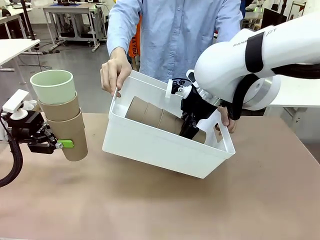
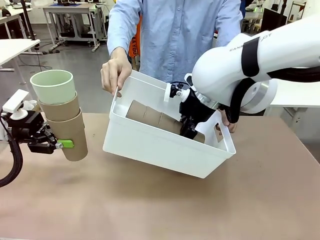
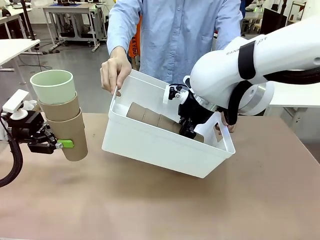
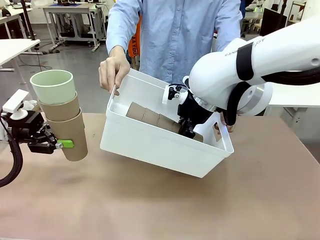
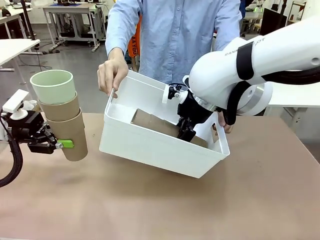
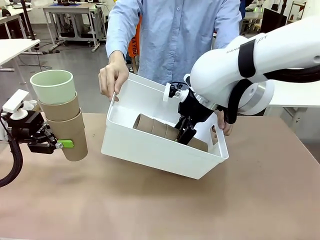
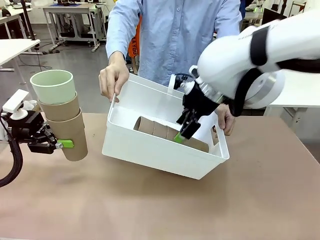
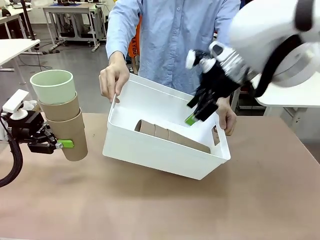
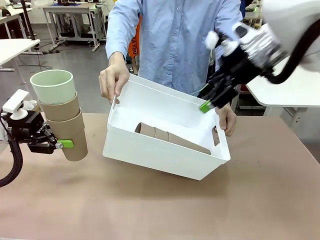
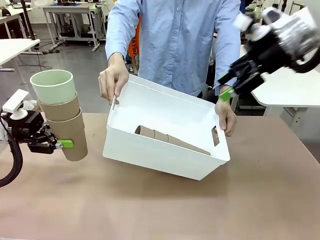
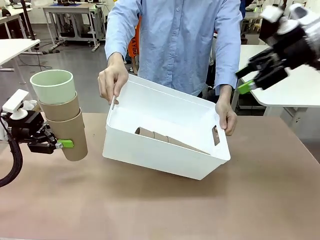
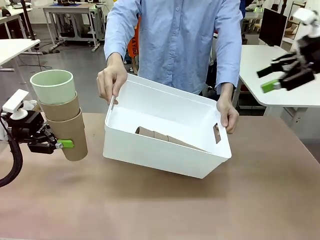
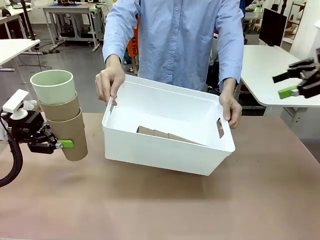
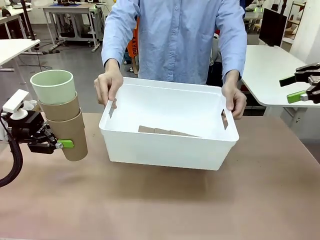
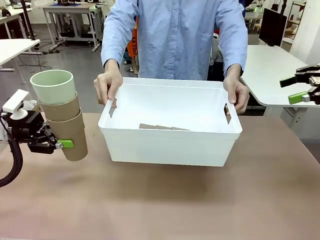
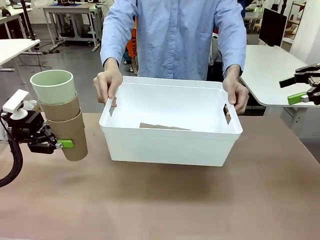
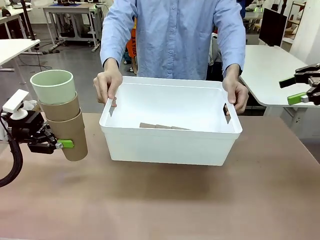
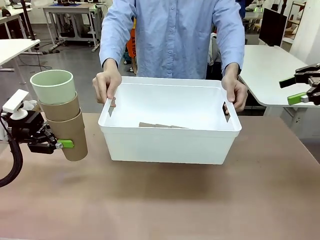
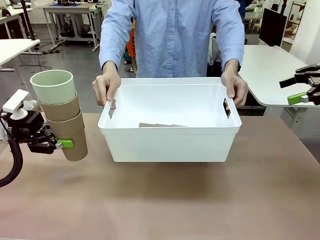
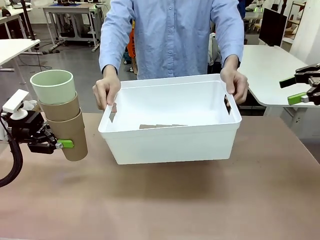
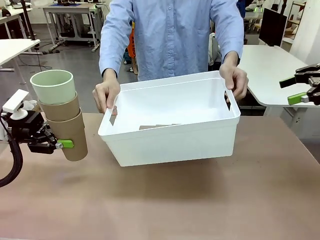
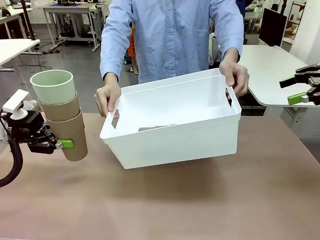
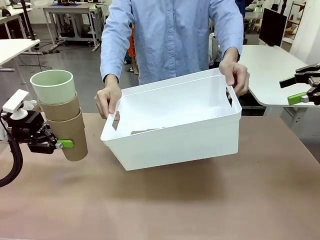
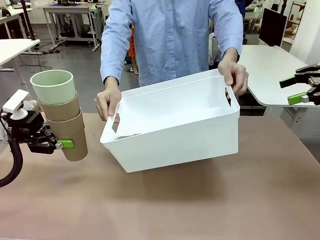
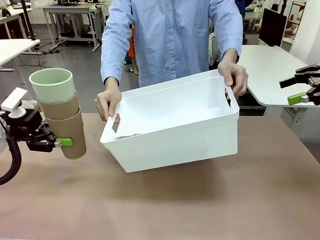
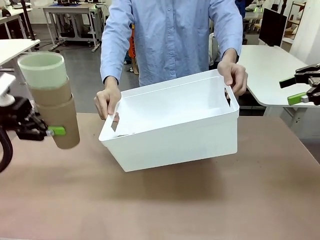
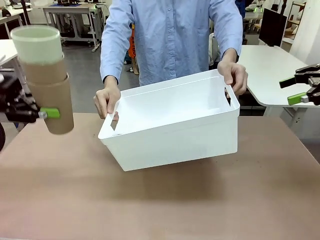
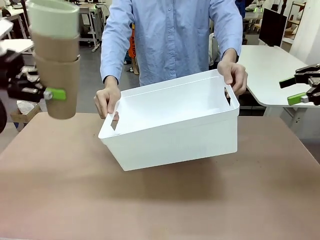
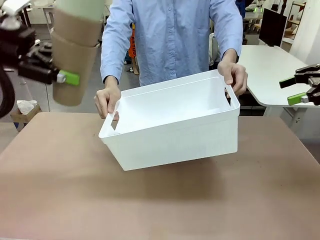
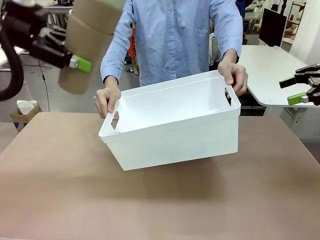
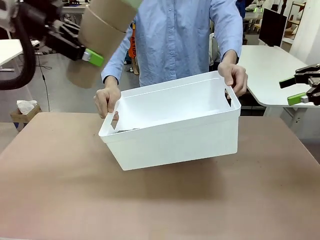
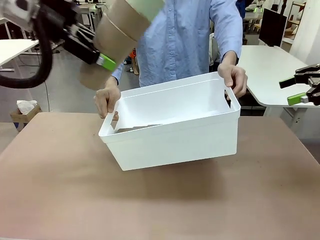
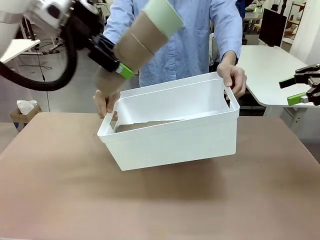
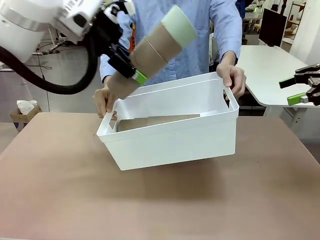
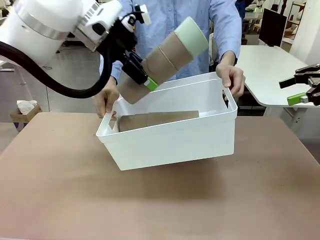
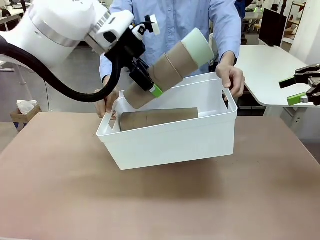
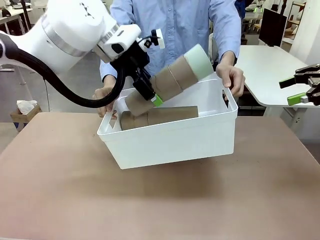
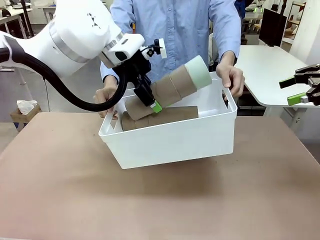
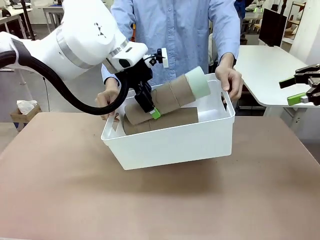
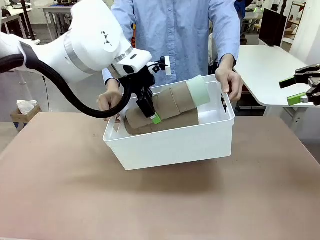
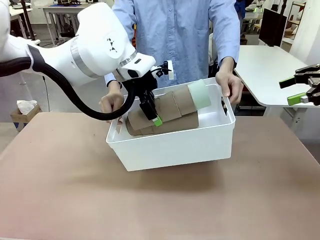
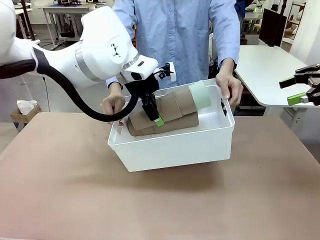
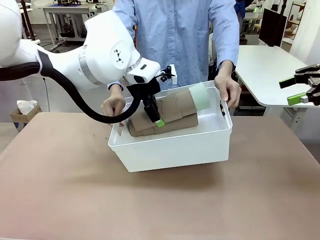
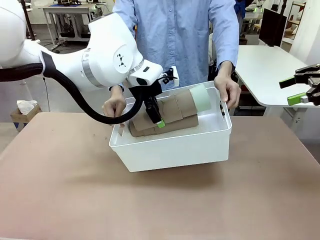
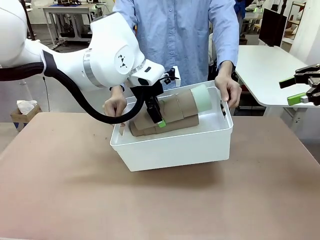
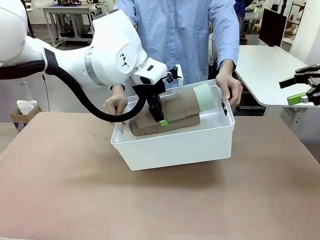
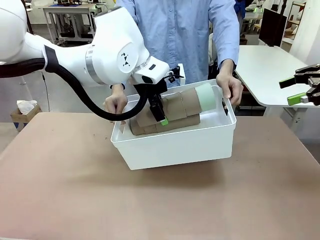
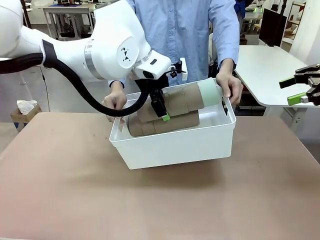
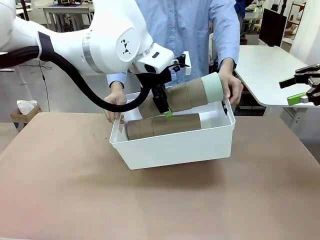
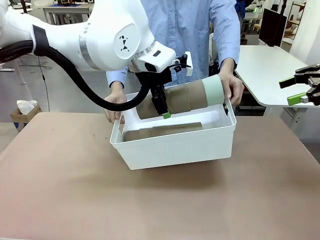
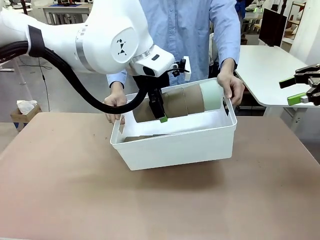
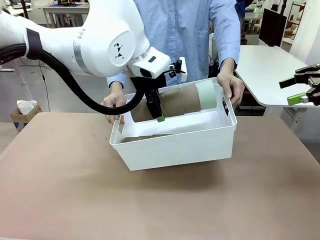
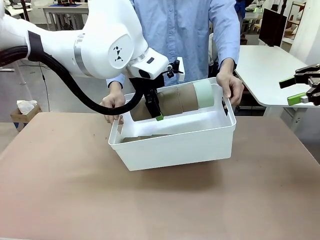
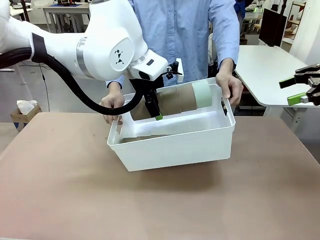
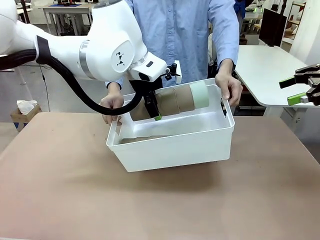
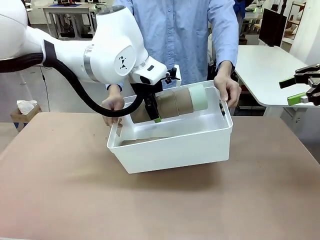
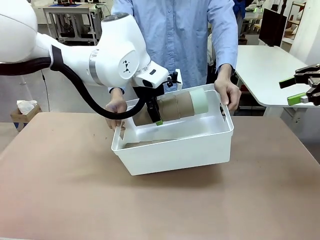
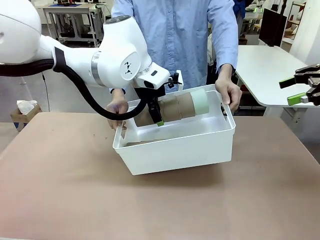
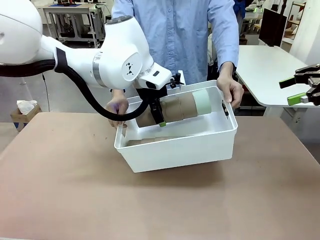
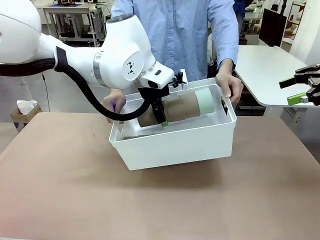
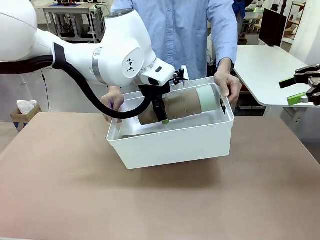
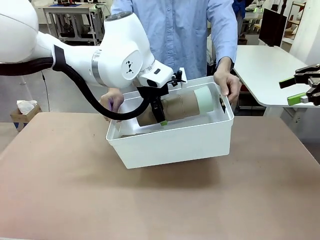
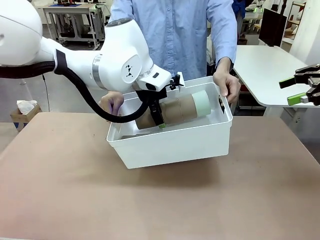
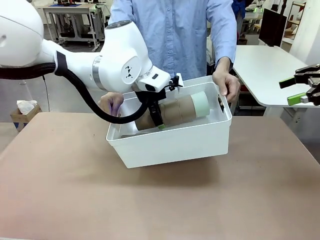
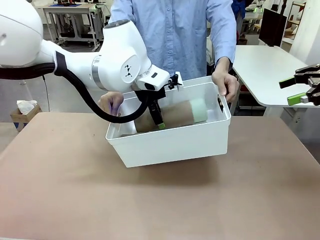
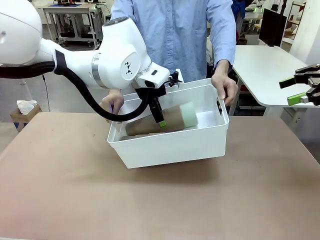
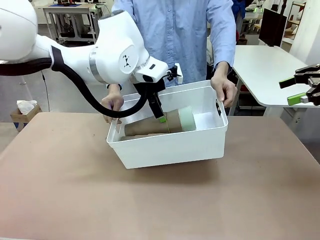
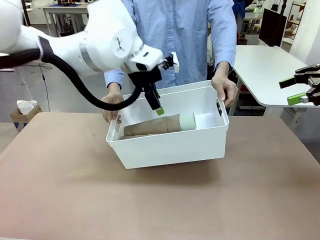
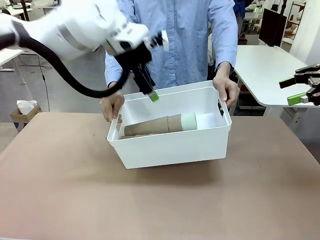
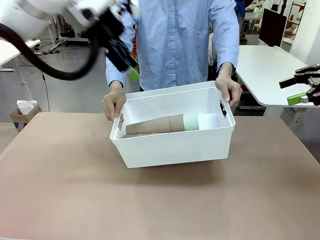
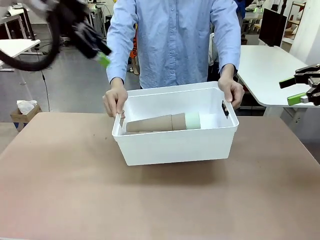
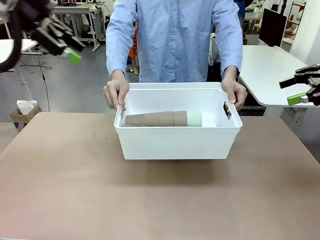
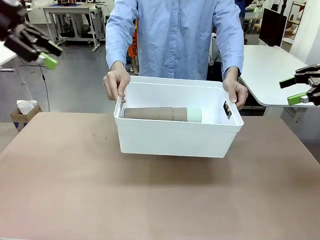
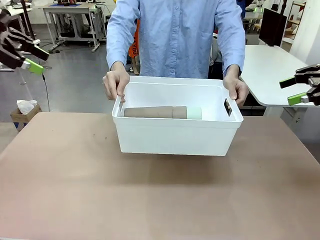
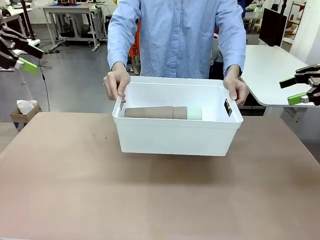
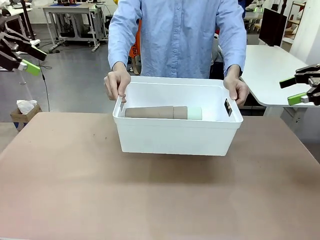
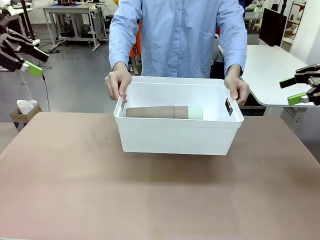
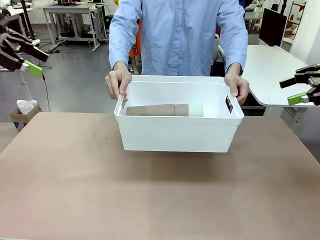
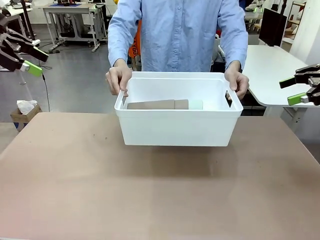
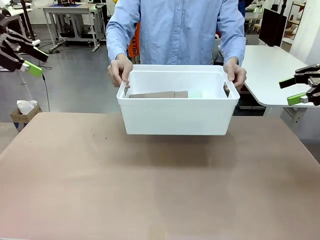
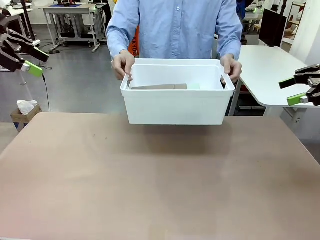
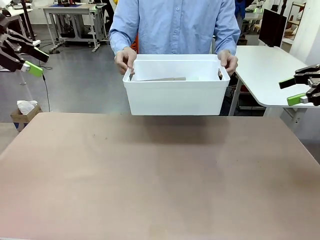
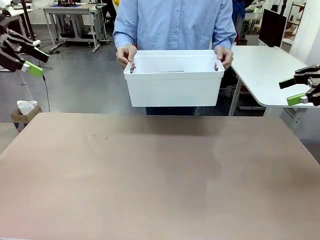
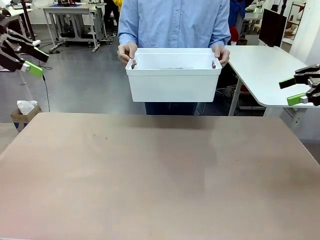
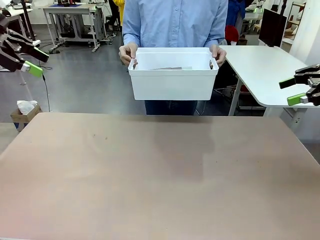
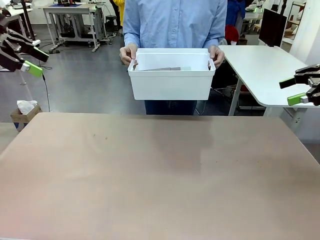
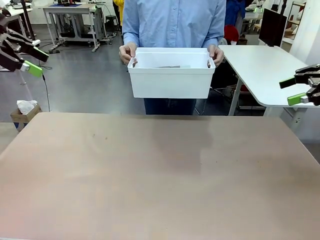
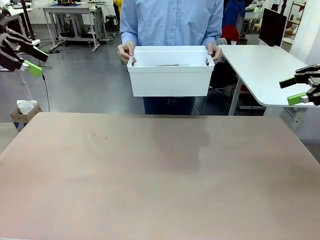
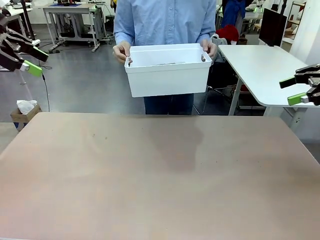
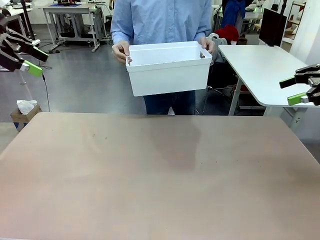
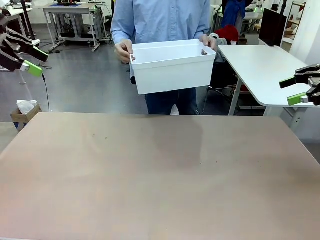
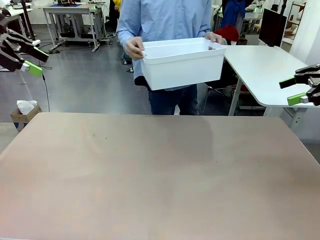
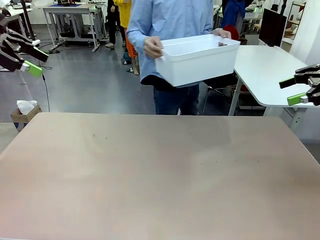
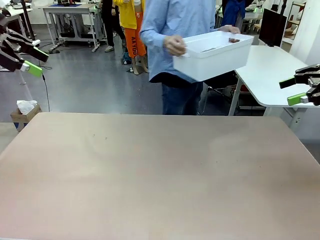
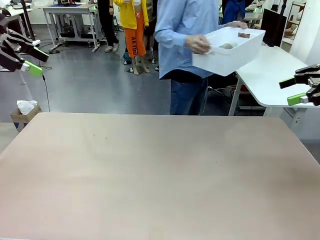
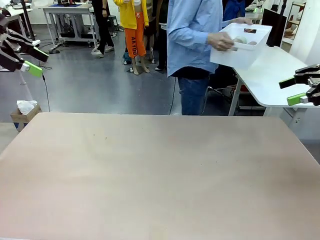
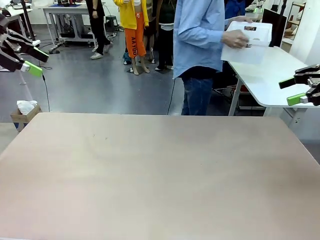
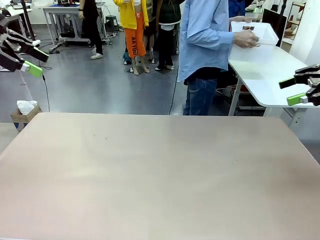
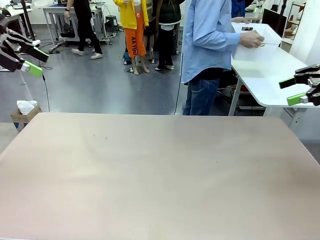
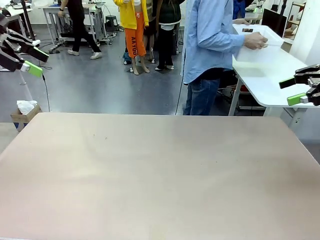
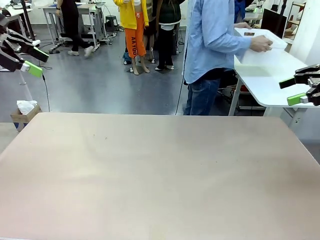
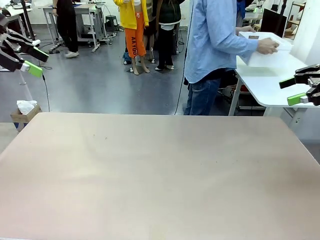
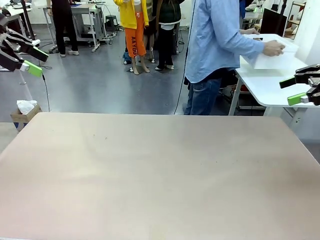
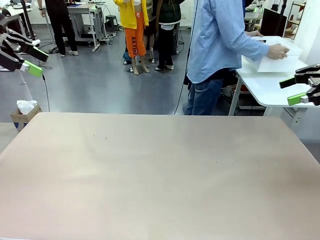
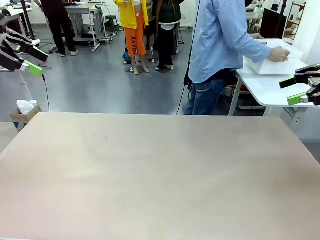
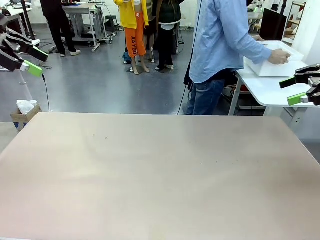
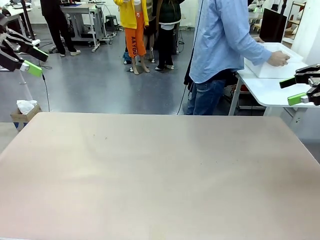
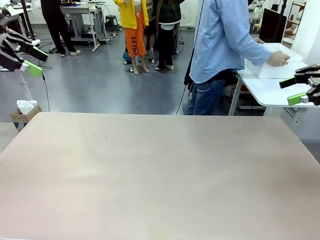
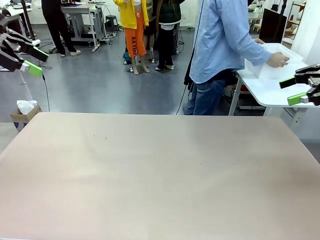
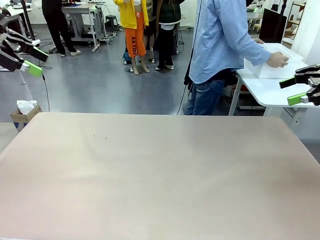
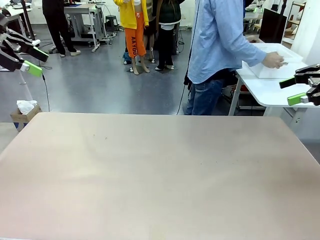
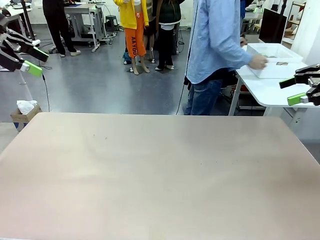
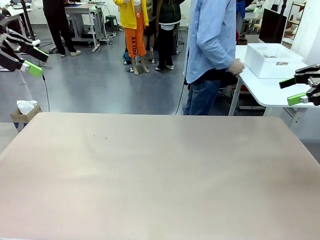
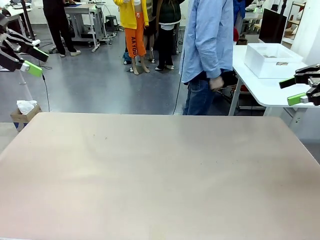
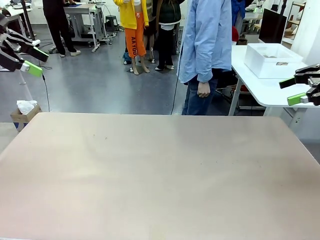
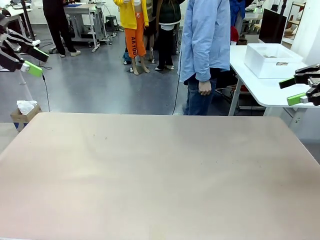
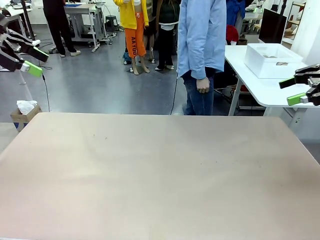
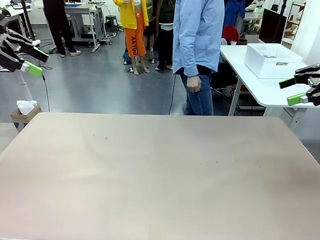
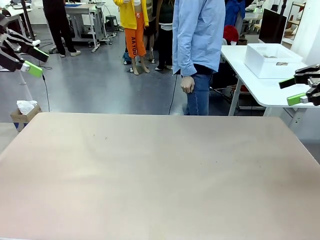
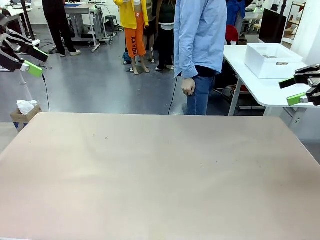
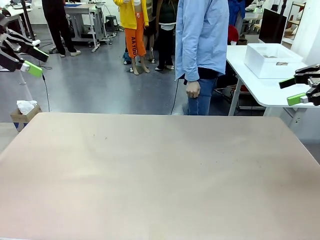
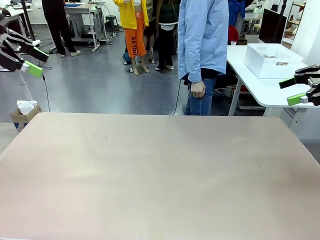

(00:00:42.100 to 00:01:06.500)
Task: Stack the cups and store them in the basket.
Robot: Place the stack of Reusable plastic cups into the Pantry Basket.
Person: Place the basket containing the cups in the middle of the Human Table.
